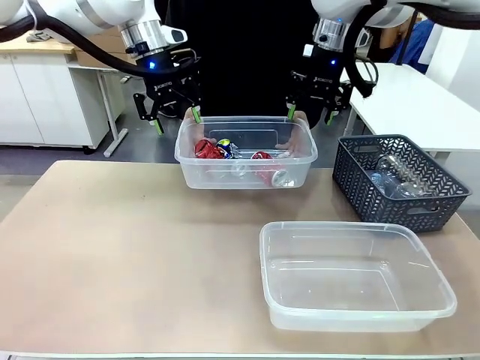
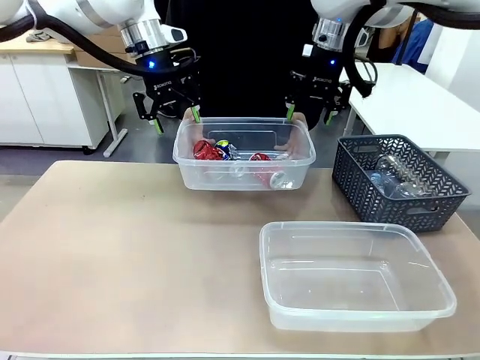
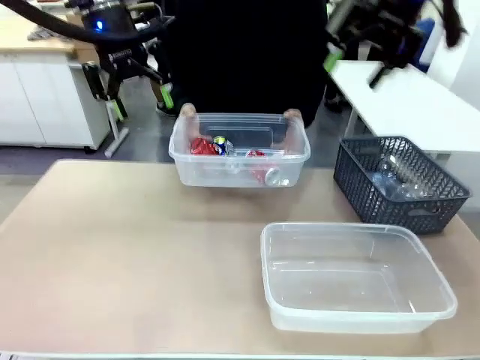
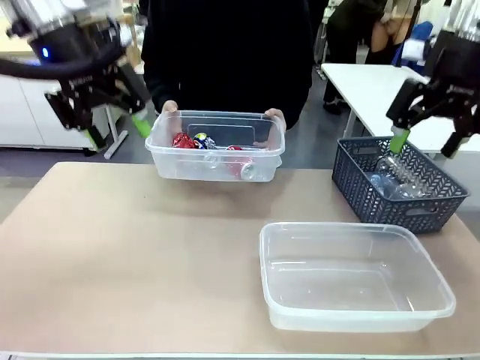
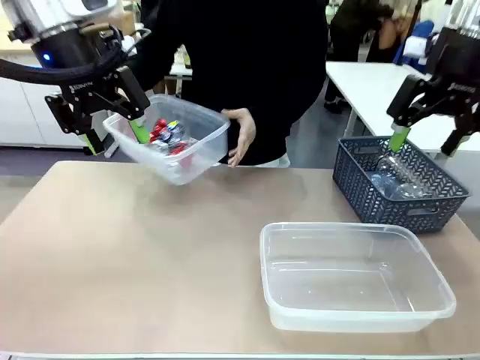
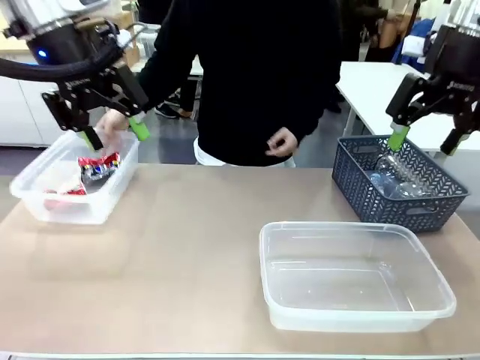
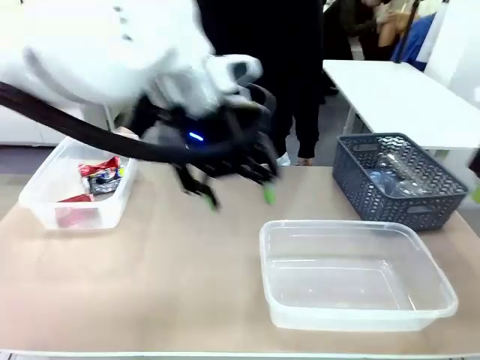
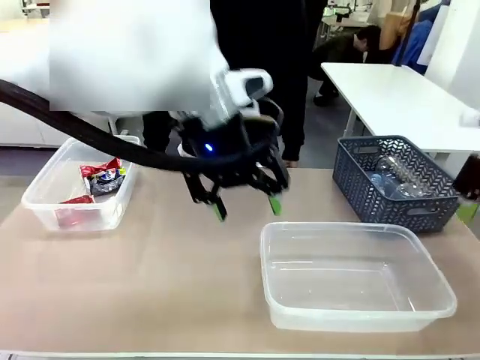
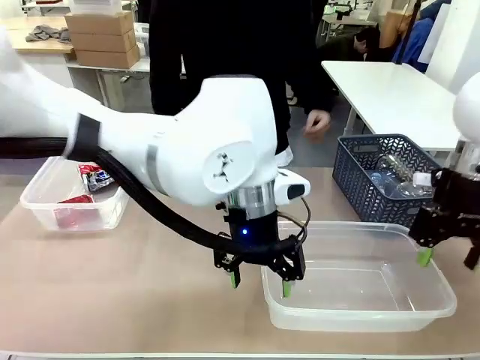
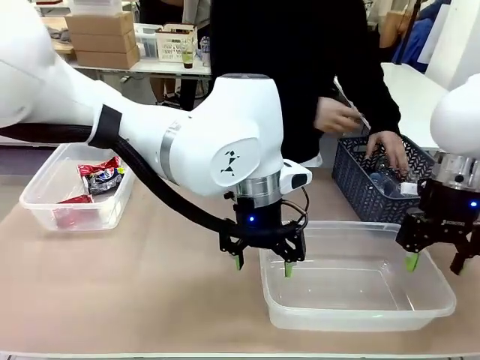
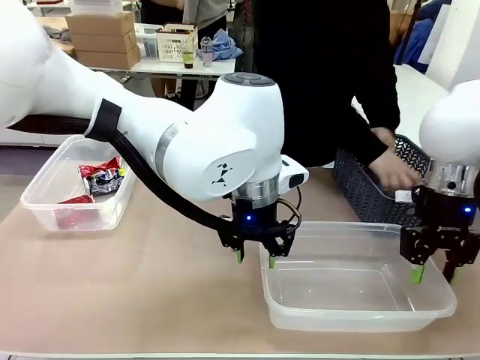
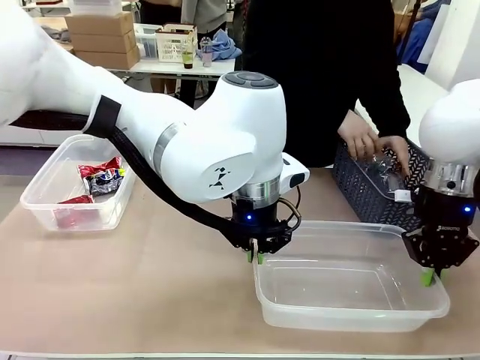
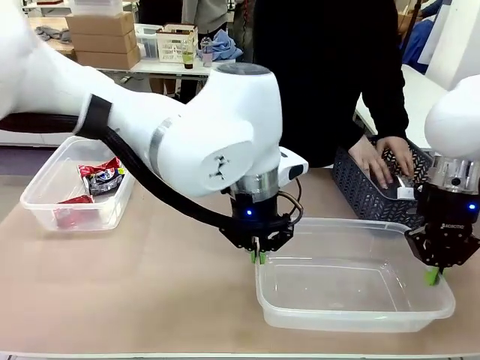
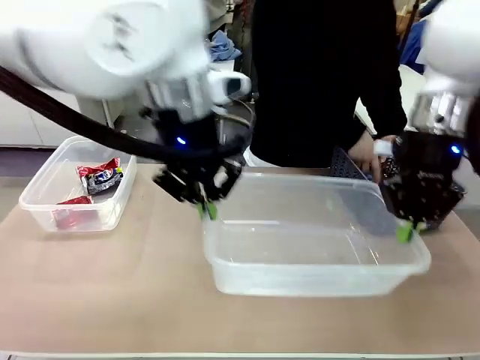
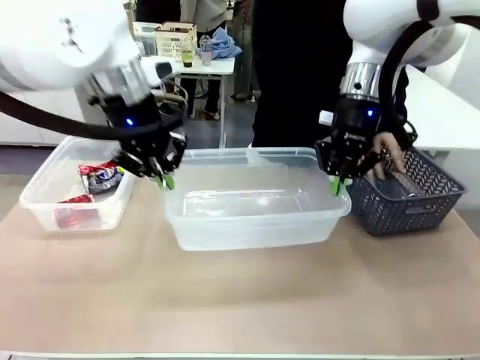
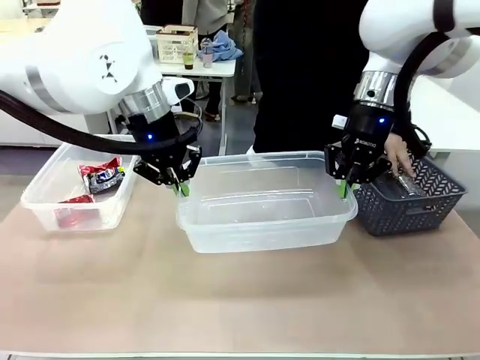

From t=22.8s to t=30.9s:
Robot: Pick up the Organizing box on the right side of the table and lift it.
Person: Place it at the edge of the bottom right area of the robot table.

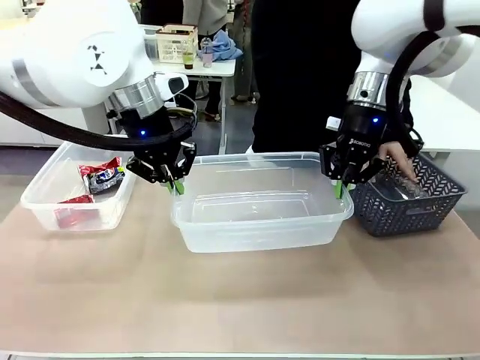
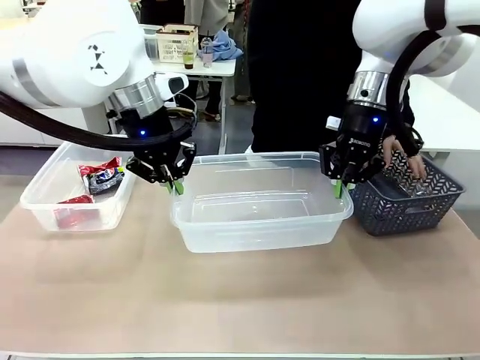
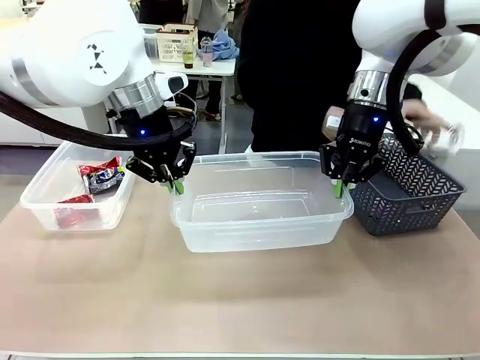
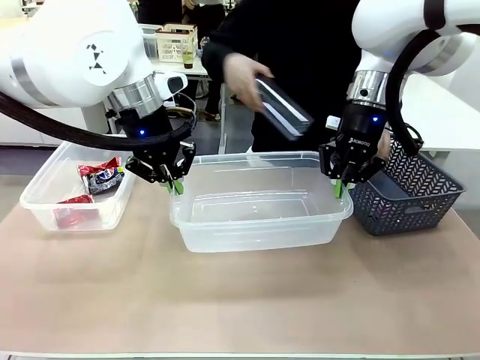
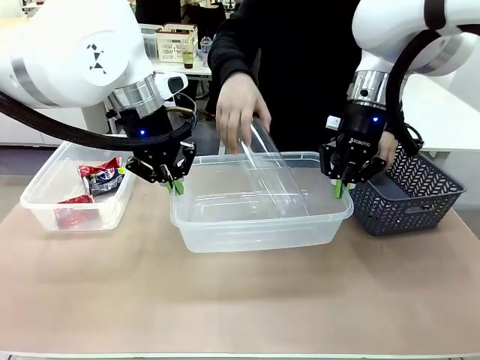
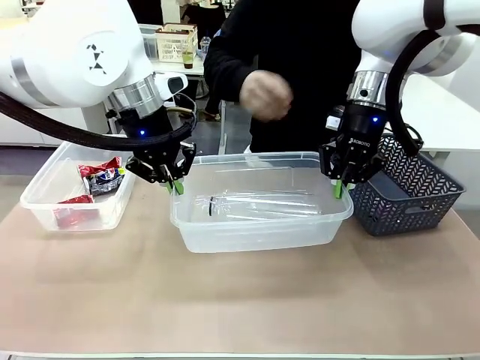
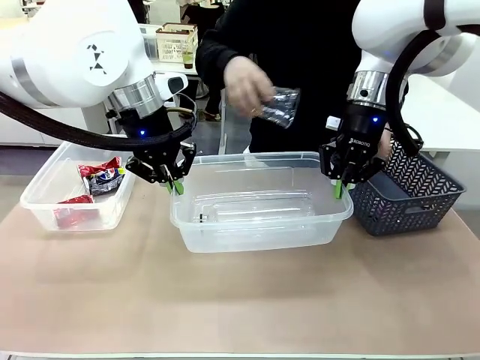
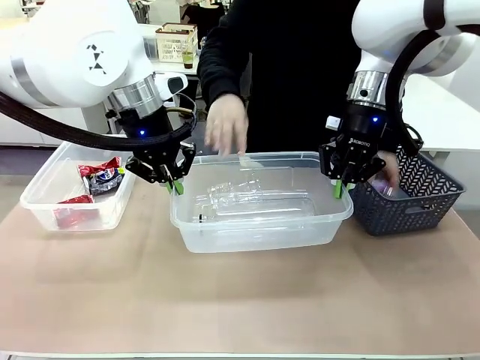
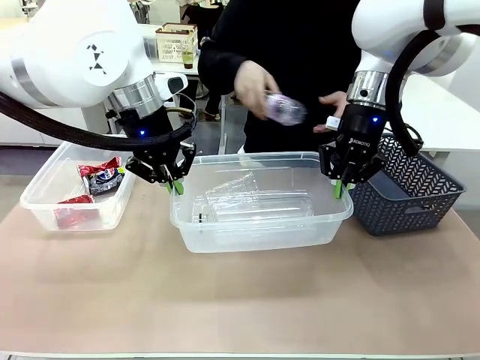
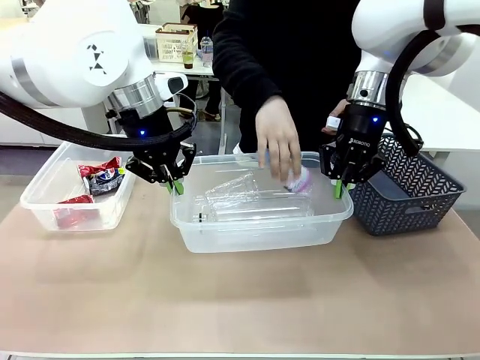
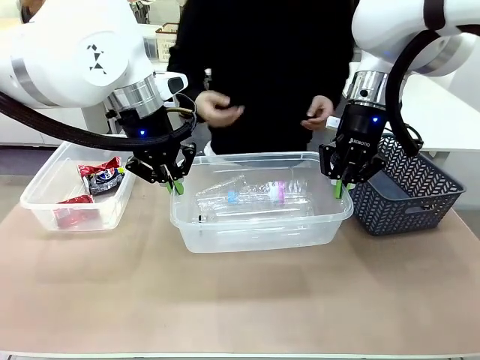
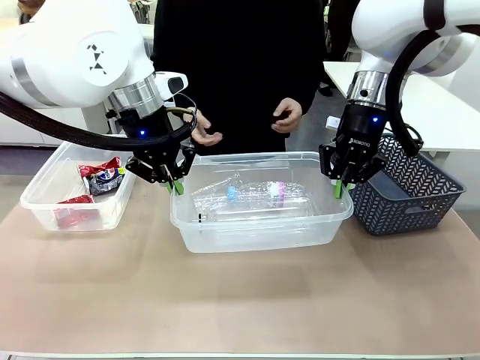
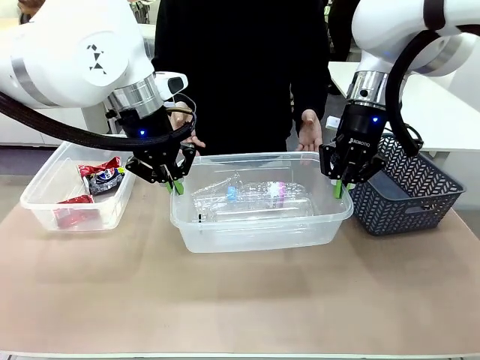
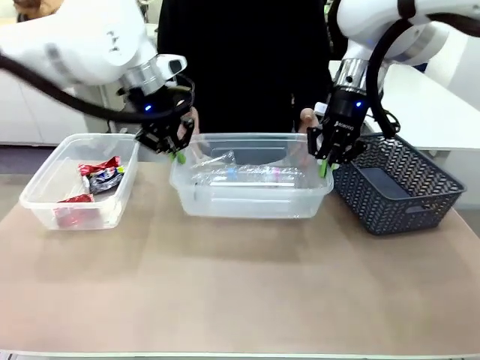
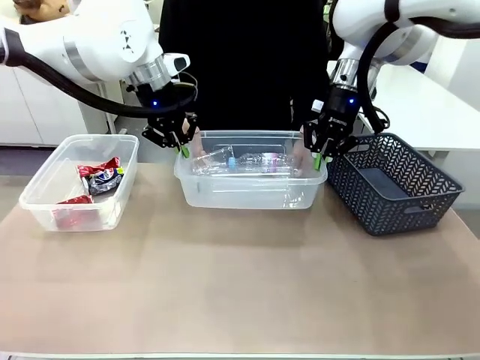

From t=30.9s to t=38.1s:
Robot: Offer the picked Organizing box to the human.
Person: Pick up plastic waste one by one and place it into the organizing box lifted by the robot.

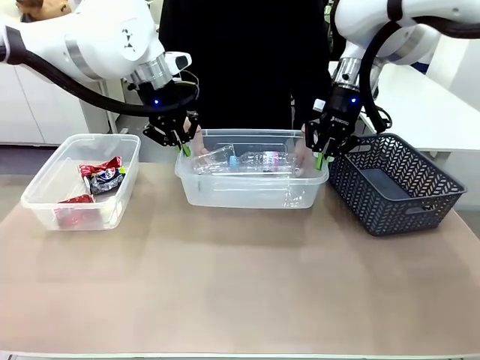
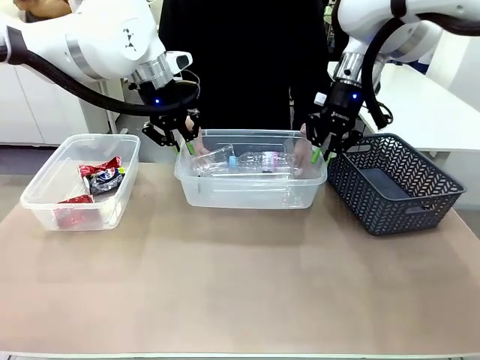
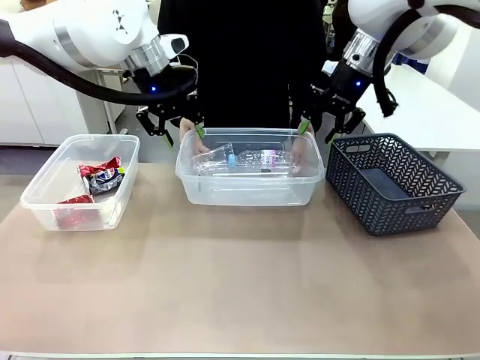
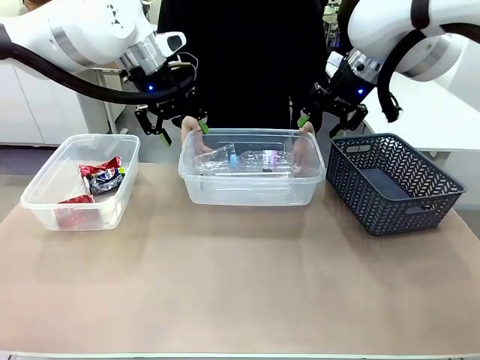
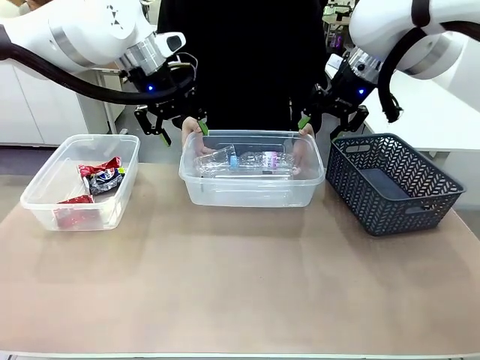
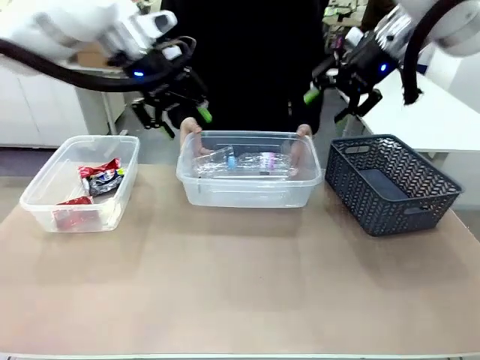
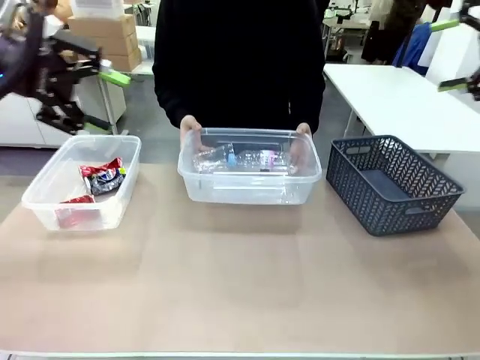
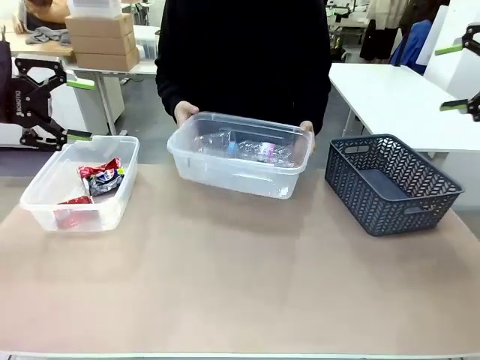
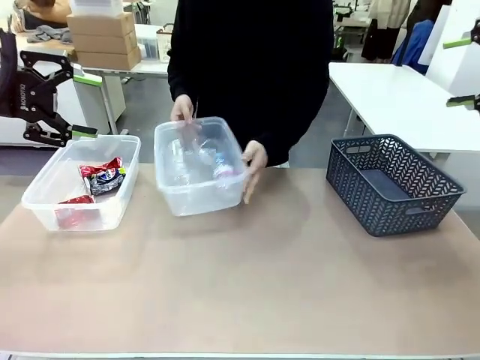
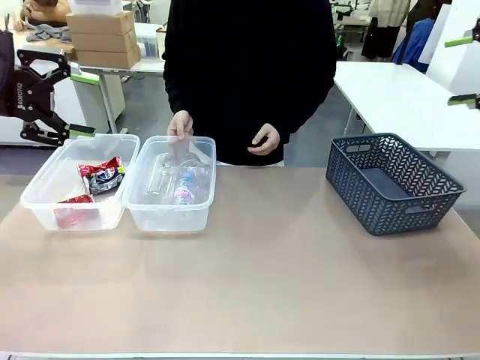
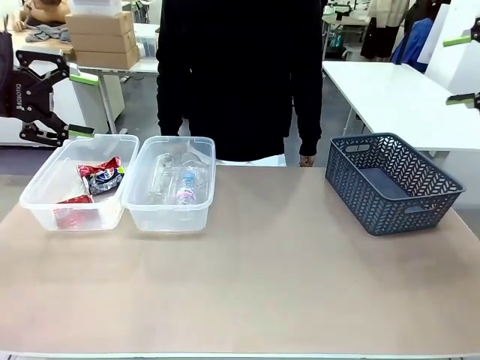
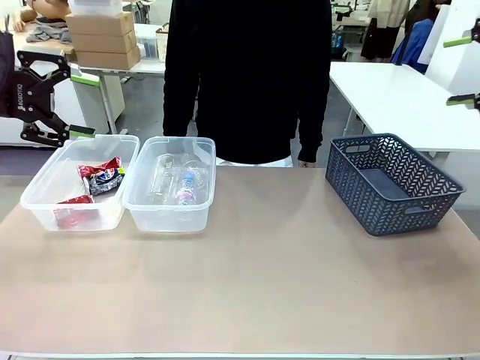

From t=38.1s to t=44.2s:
Robot: Release the Organizing box you were holding.
Person: Pick up the organizing box extended by the robot. Place the organizing box to the left of the sorting box containing the can waste.
